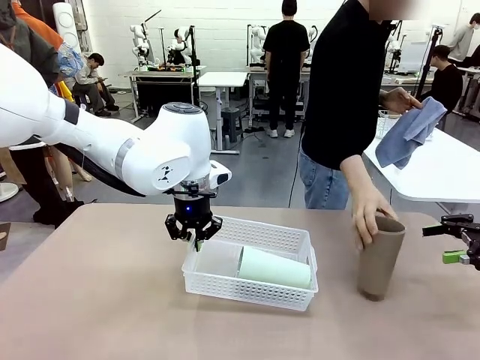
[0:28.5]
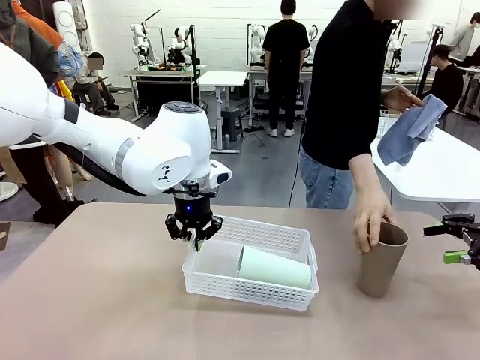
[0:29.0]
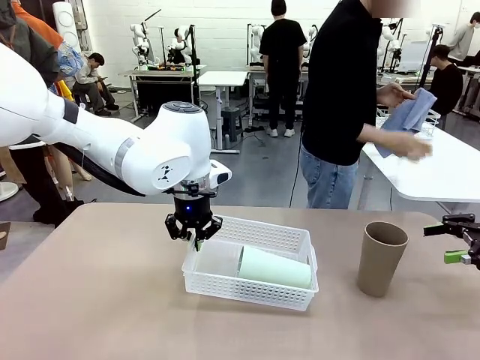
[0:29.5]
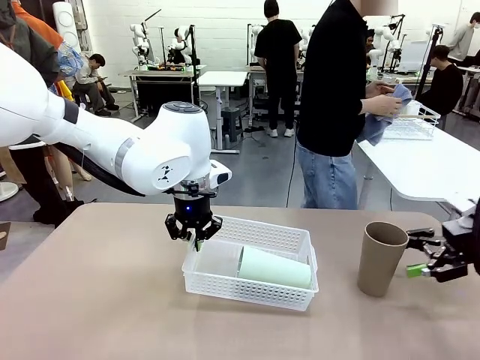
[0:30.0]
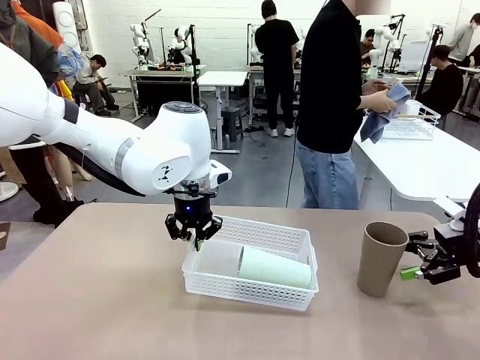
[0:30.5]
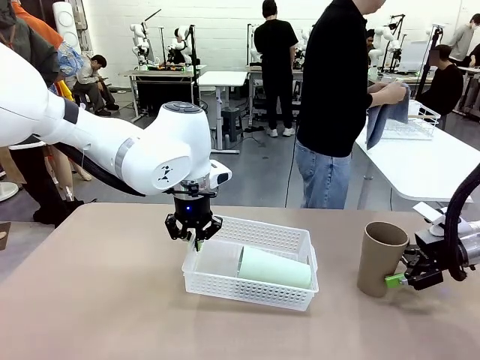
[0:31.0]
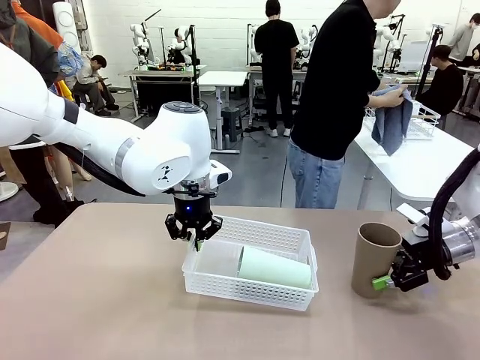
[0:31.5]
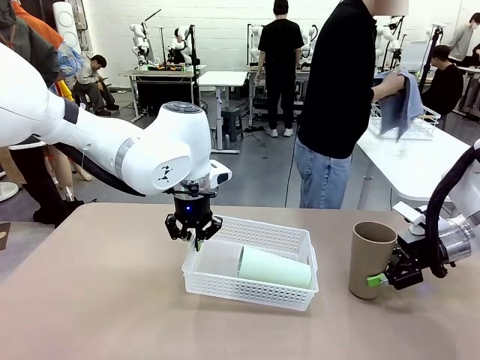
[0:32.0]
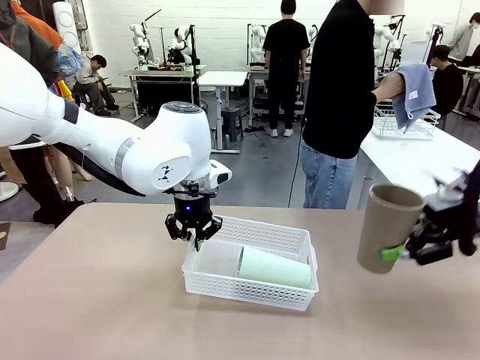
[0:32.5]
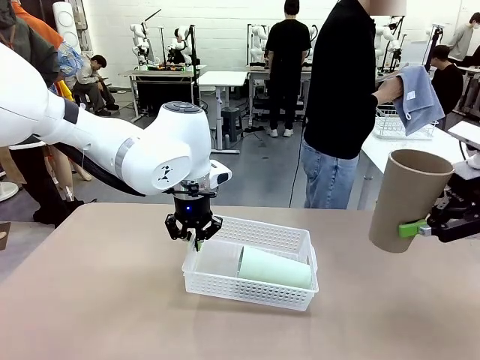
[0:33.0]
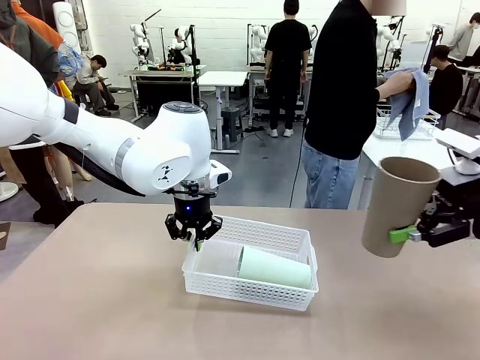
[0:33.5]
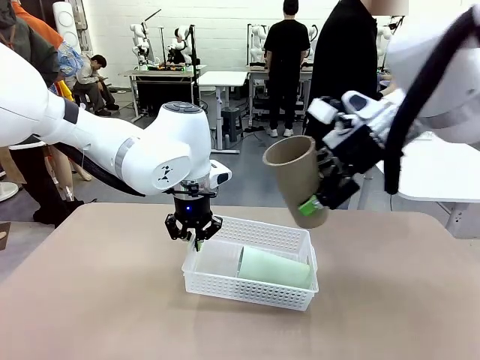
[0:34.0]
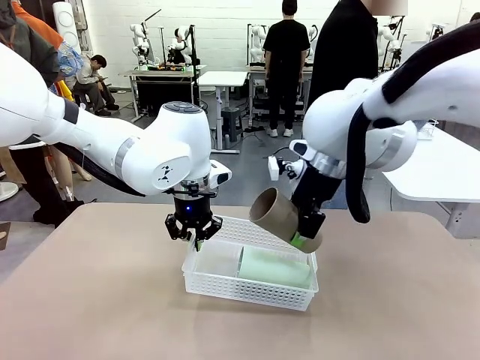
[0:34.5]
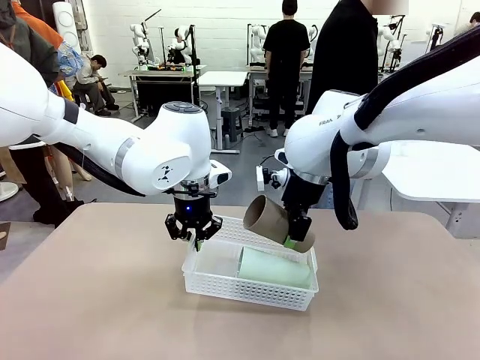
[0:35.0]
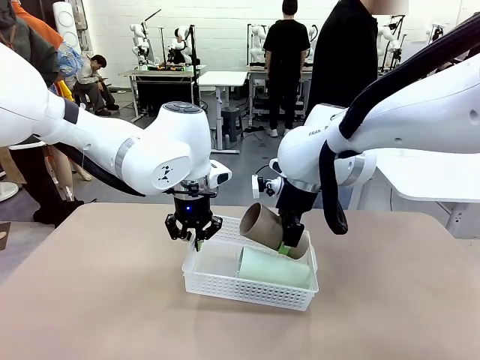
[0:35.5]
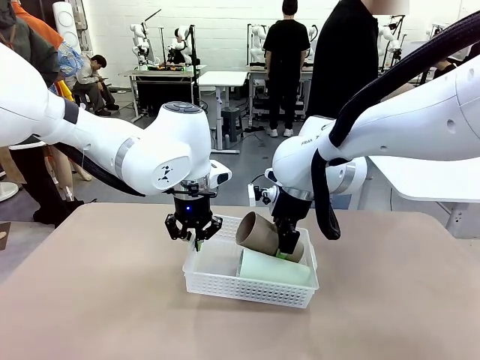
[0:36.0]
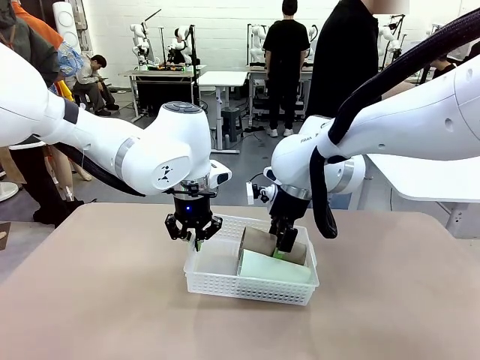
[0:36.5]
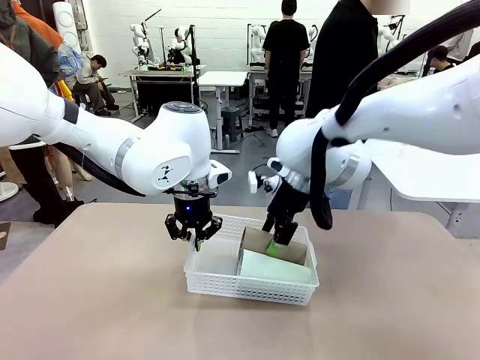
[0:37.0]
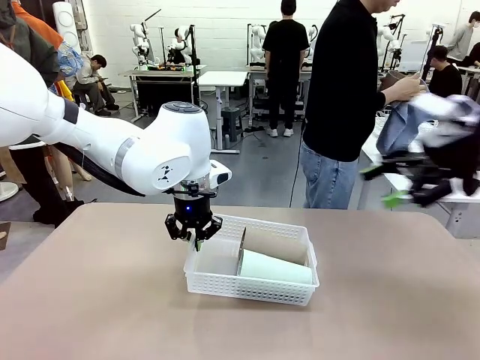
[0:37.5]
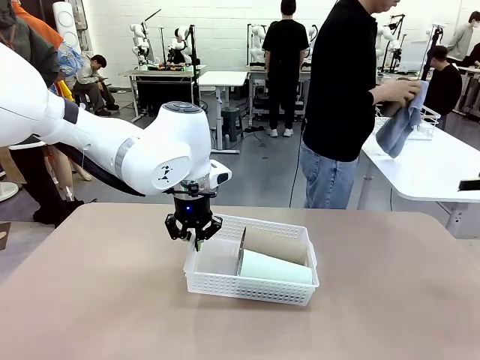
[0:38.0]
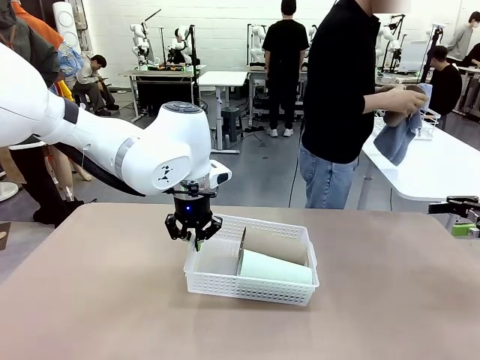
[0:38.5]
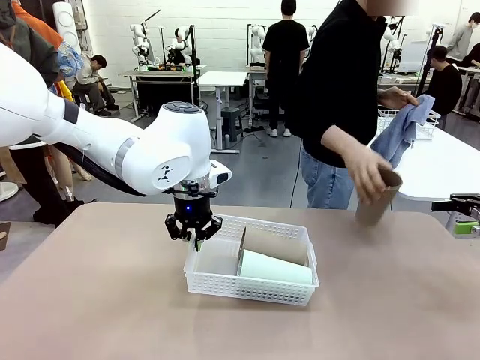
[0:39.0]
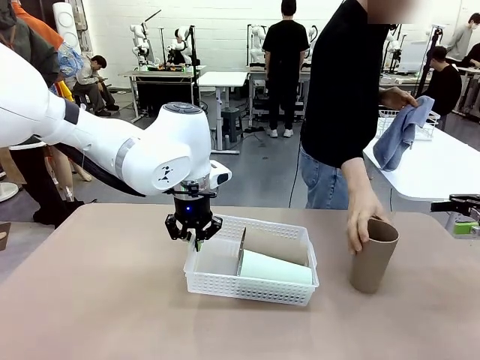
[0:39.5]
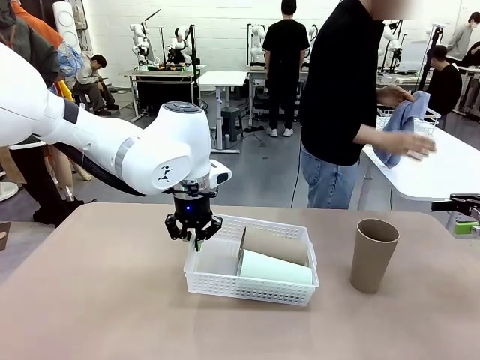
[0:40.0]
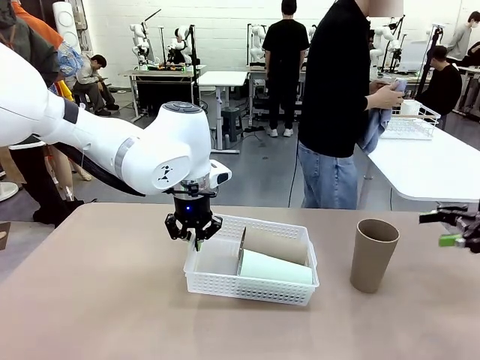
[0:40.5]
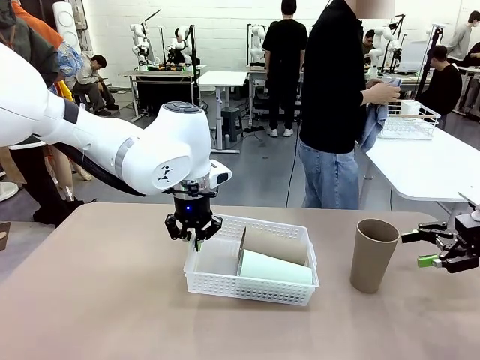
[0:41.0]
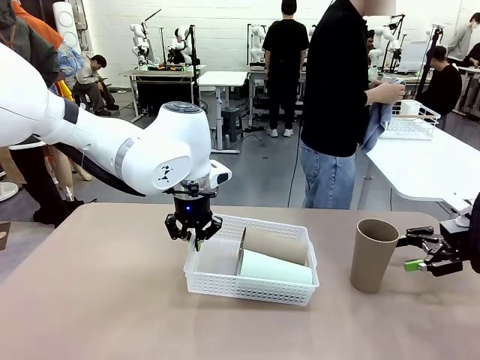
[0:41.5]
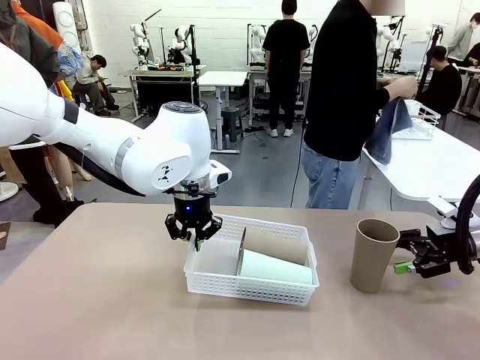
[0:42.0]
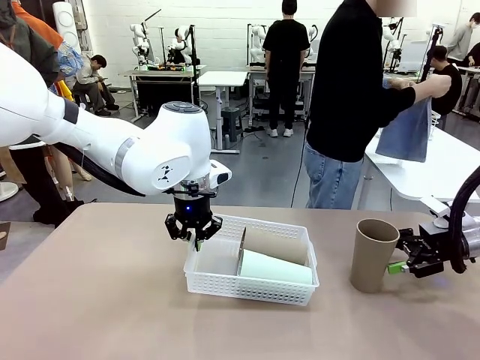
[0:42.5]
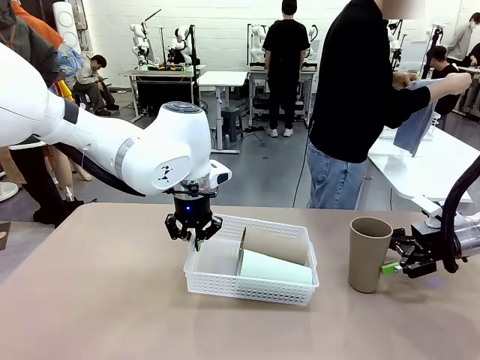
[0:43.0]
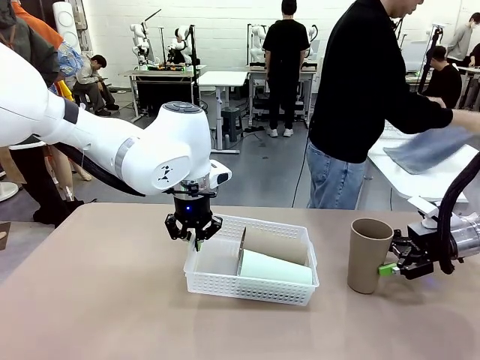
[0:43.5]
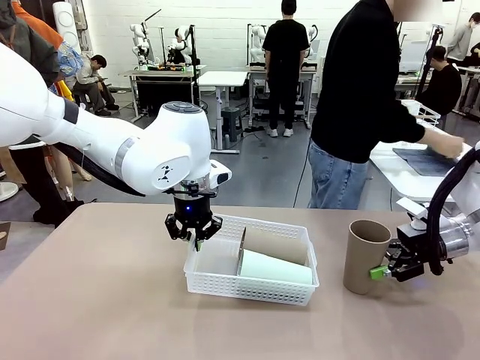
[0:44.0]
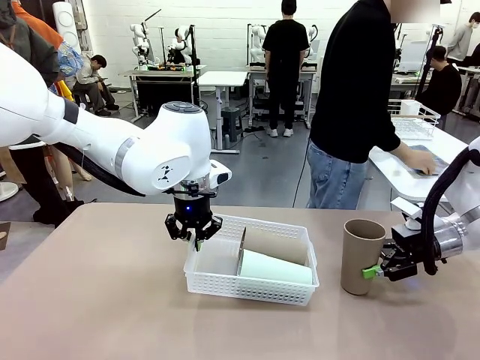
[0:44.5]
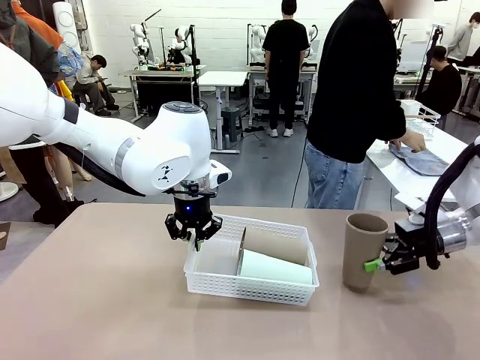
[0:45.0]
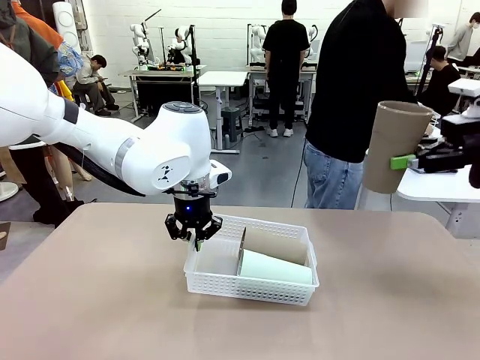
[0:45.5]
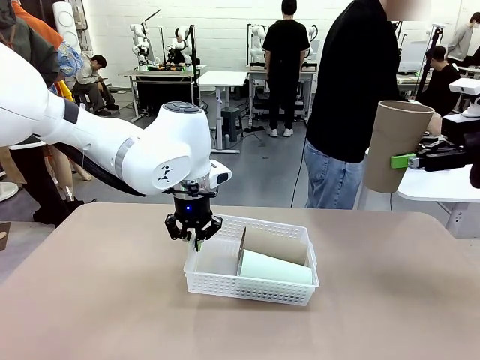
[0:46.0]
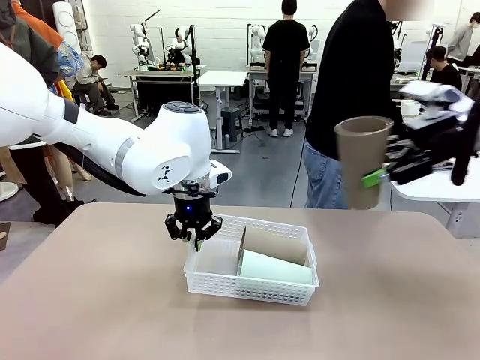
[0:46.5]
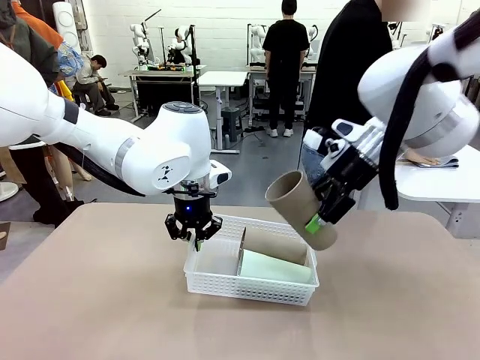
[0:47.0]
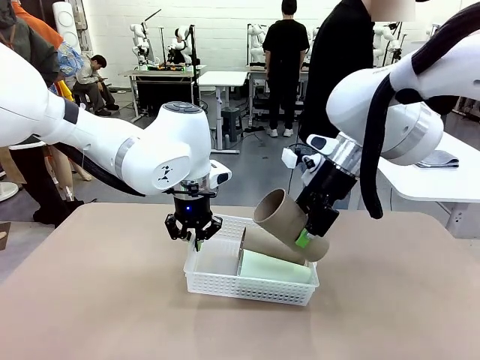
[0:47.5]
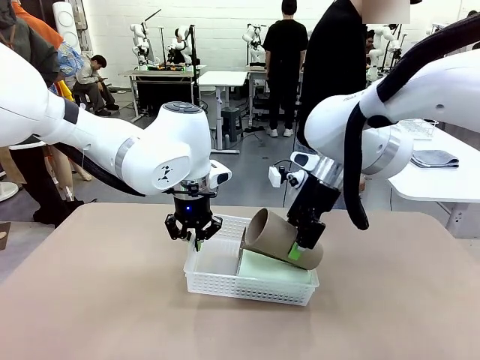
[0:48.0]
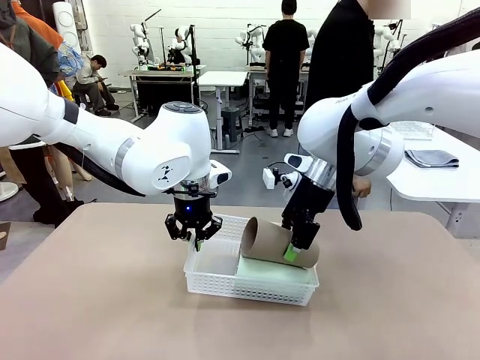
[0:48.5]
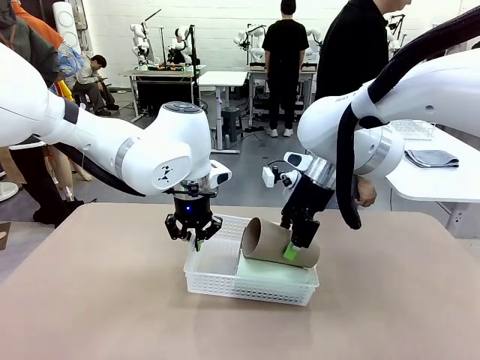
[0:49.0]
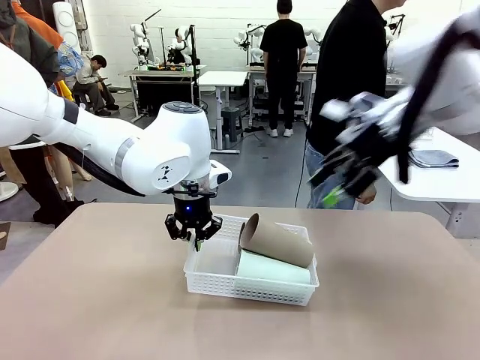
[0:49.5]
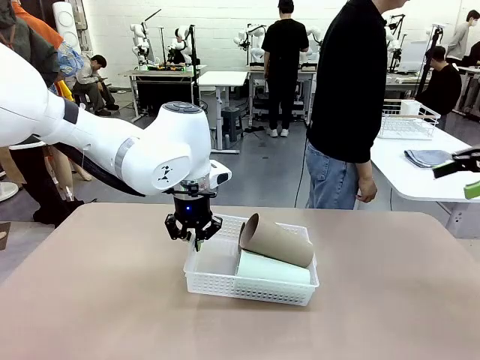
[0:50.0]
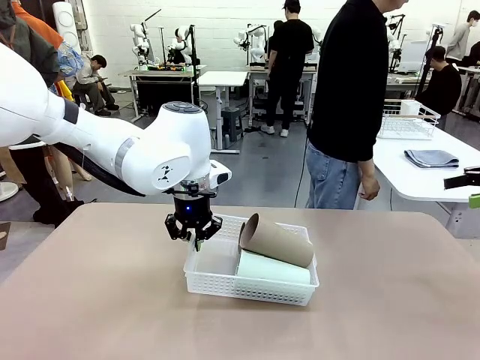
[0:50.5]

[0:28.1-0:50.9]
Task: Clean and organize the cups into the basket.
Robot: Pick up the Reusable plastic cup from the right side of the table and stack it inside the Organizing basket in the center of the table.

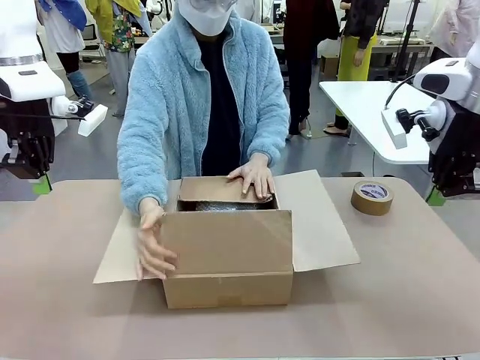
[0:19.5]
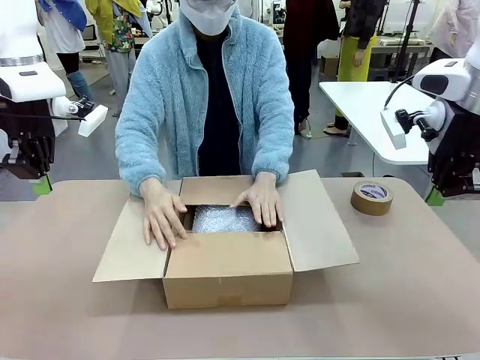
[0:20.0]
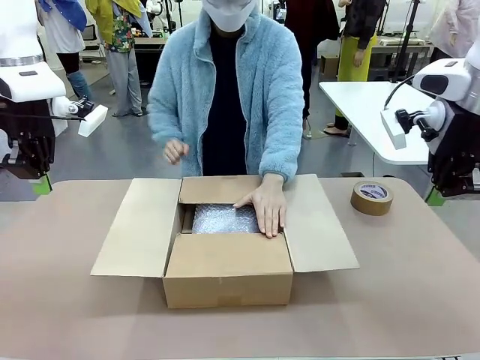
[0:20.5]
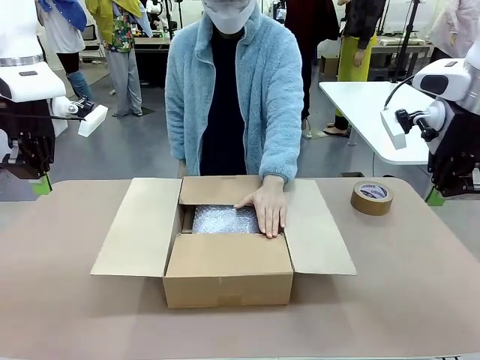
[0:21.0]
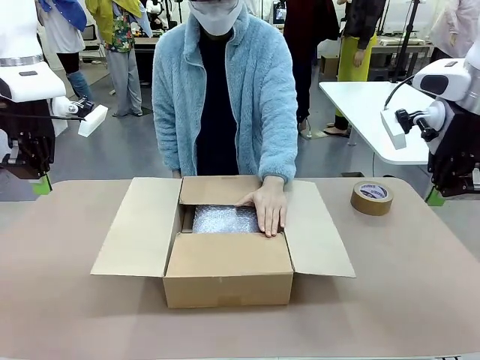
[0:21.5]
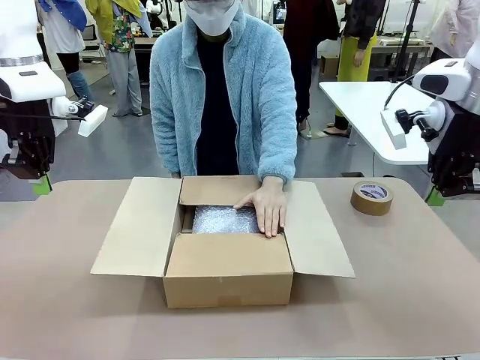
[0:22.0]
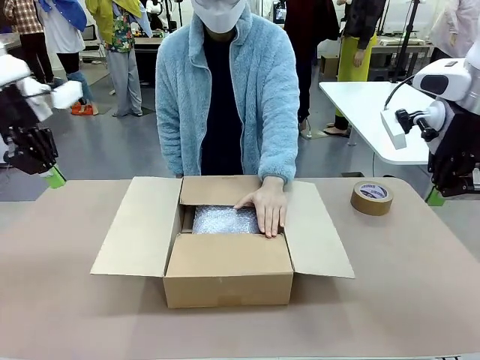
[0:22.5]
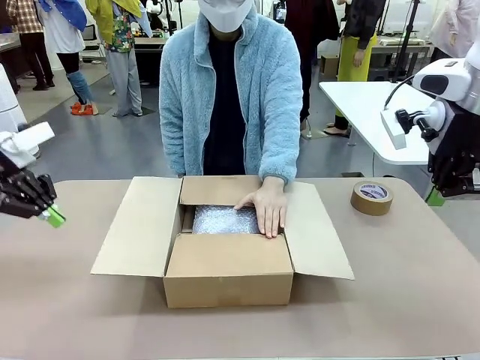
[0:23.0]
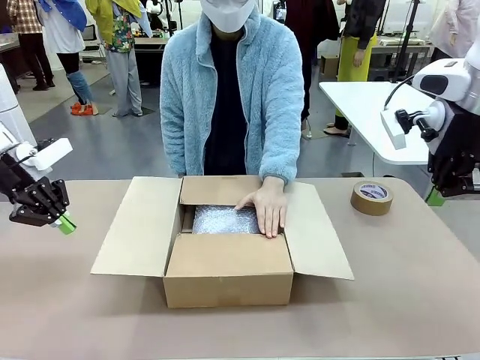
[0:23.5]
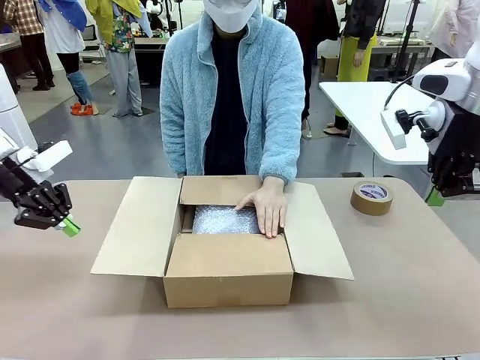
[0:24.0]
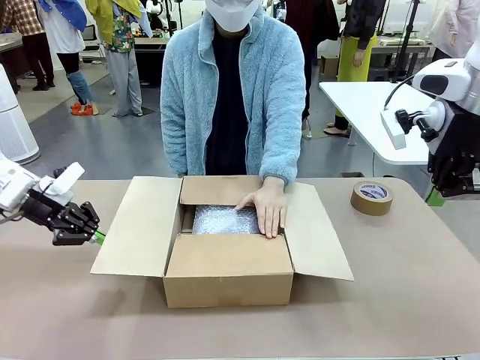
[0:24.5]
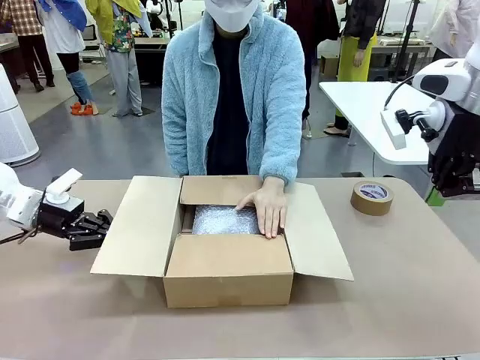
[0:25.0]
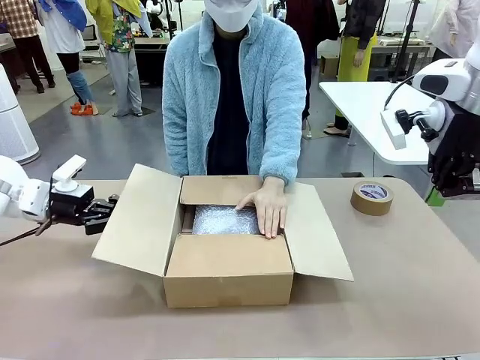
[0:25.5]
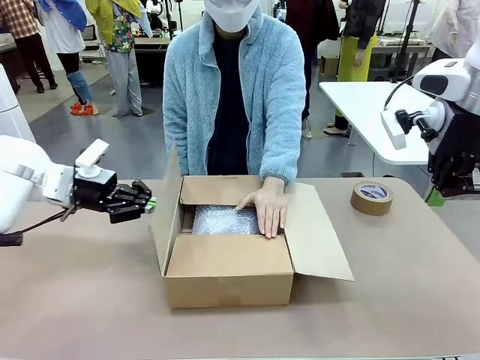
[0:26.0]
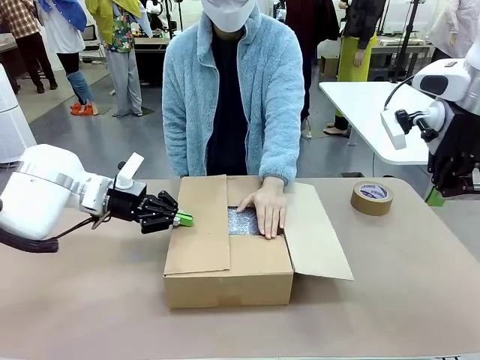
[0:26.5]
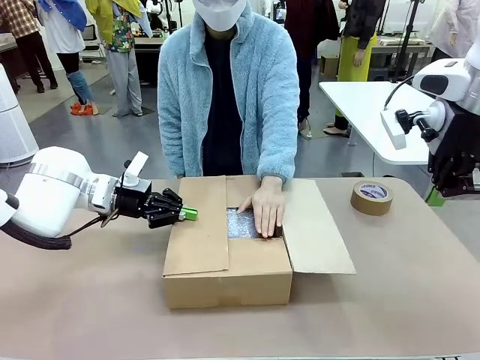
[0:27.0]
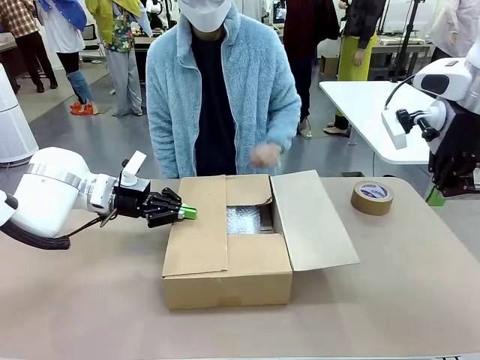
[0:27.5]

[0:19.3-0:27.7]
Task: Wrap the clocks to prevent damage.
Robot: Push the right (or left) flap of the Package Box to close it.
Person: Once the robot closes the right flap of the Package Box , release your left hand from the box.
